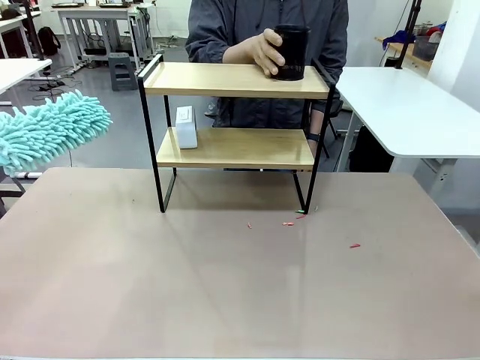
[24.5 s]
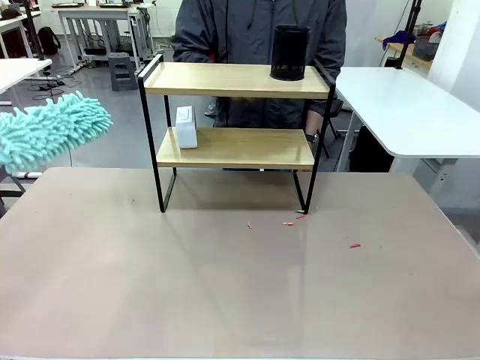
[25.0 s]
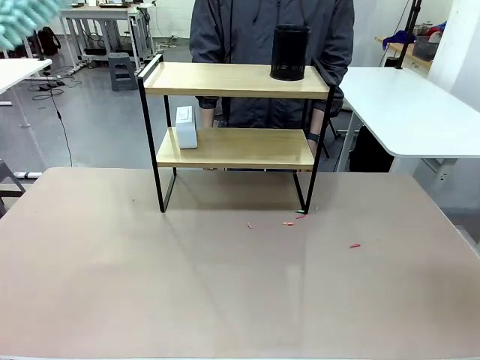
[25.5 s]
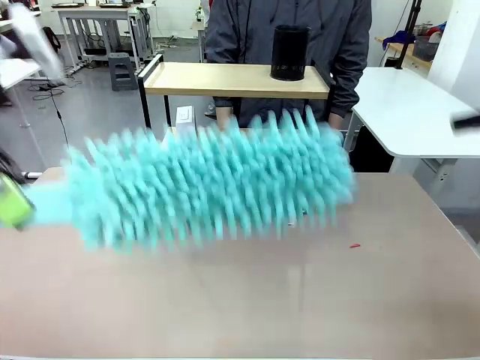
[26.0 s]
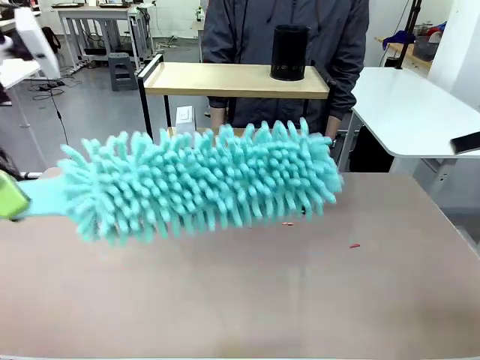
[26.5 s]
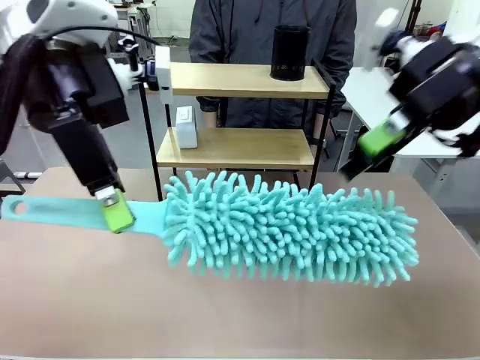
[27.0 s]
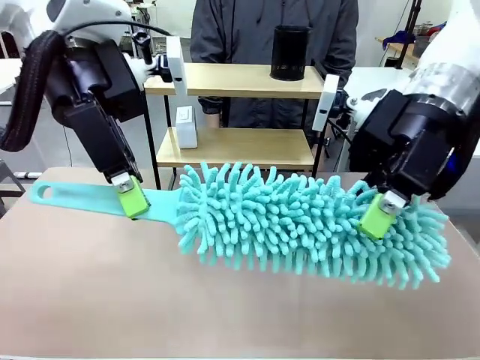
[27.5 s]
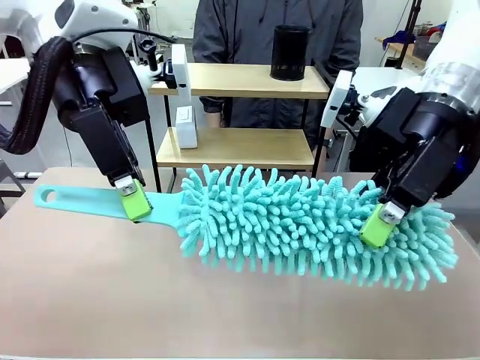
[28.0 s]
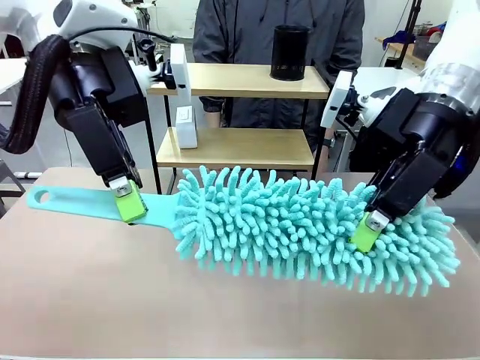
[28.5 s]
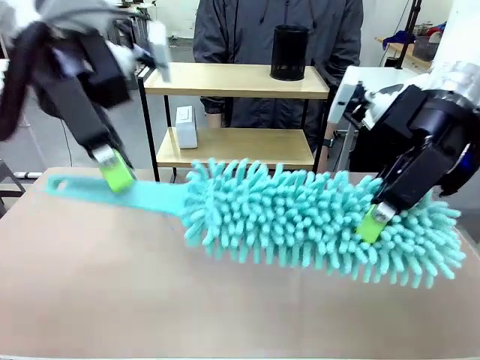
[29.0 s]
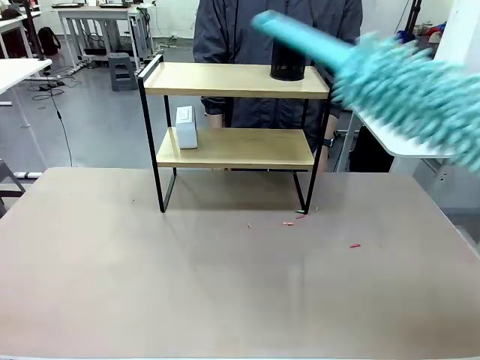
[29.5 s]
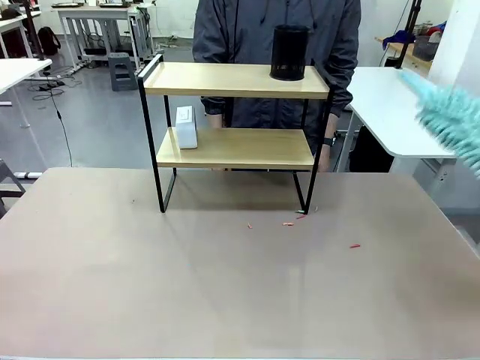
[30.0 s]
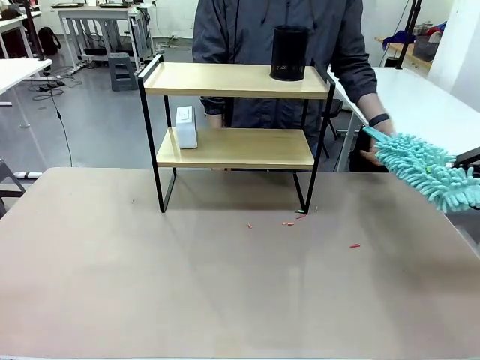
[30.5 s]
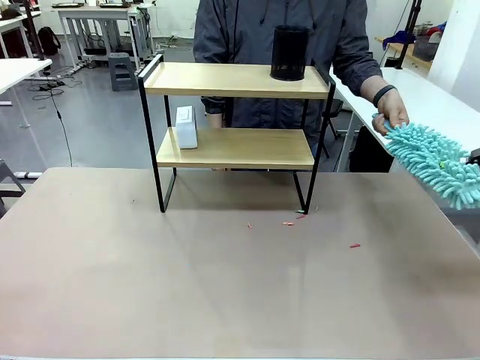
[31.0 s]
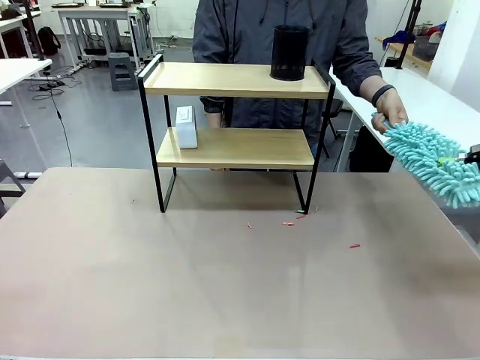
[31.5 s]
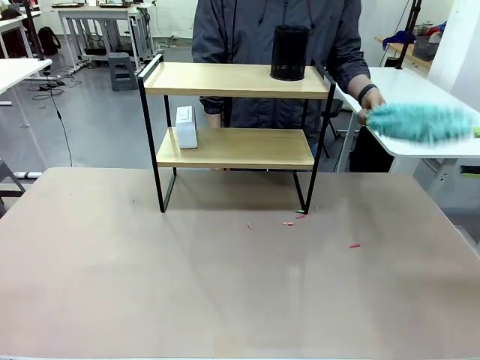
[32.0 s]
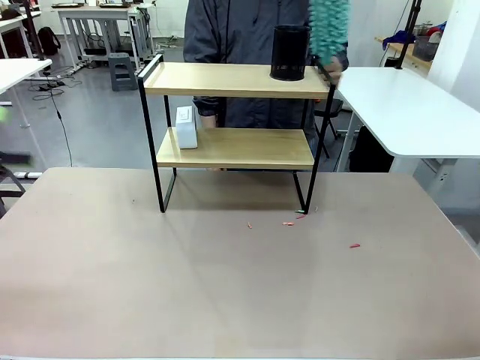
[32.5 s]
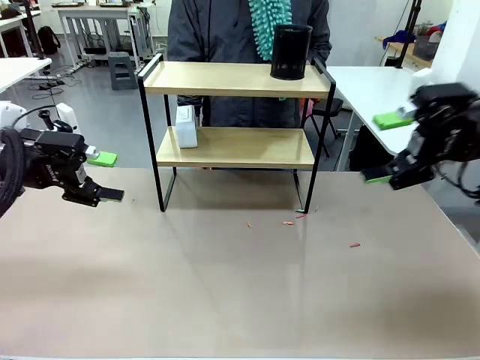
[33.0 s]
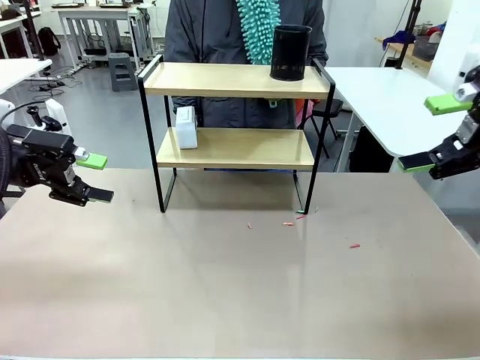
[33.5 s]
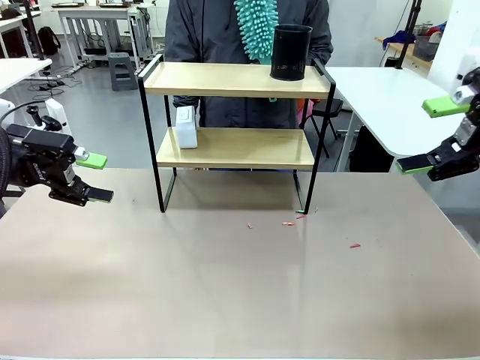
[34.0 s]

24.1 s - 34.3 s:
Task: Clean the shelf.
Robot: Hand the Duster back to the human.
Person: Receive the Duster from the robot.

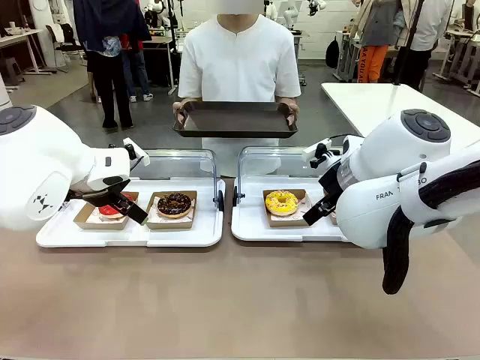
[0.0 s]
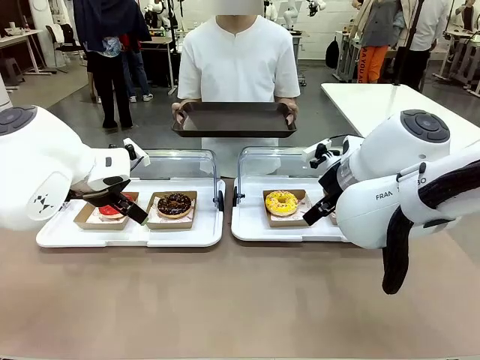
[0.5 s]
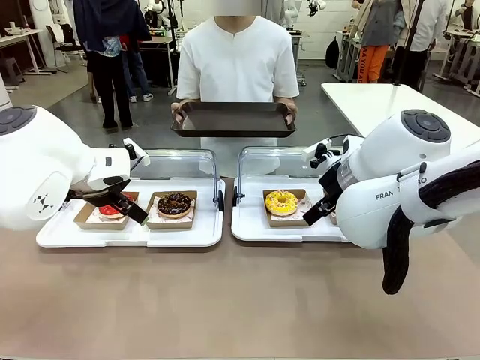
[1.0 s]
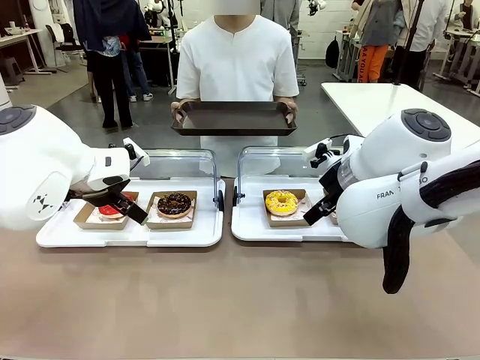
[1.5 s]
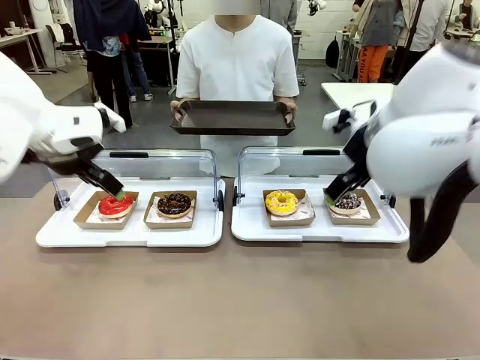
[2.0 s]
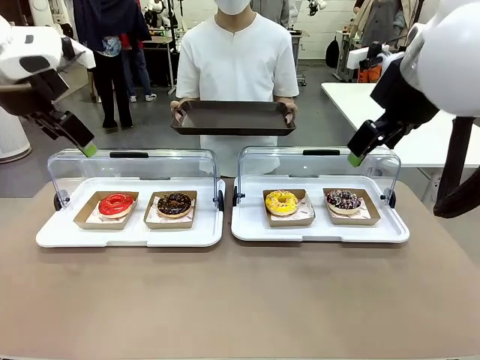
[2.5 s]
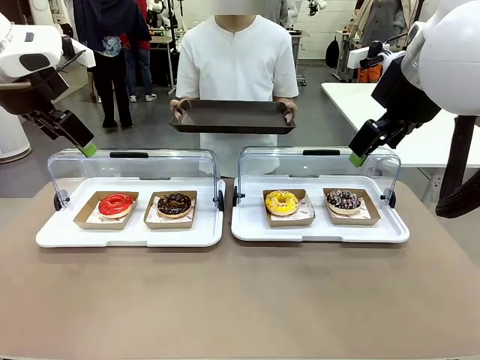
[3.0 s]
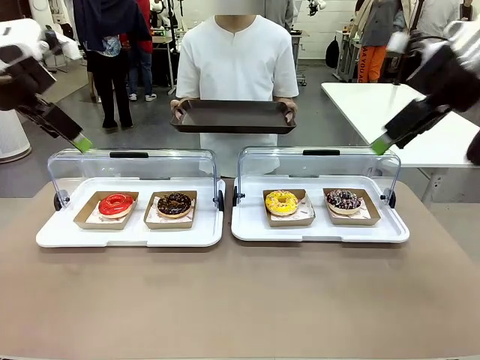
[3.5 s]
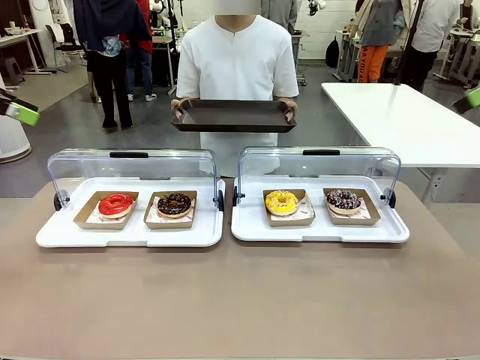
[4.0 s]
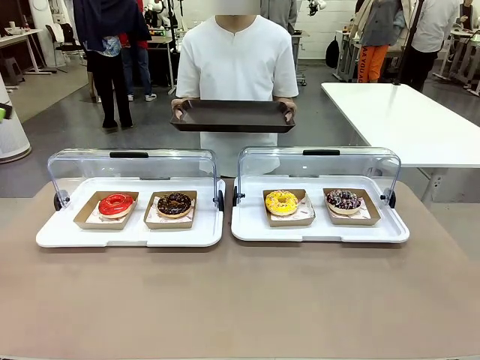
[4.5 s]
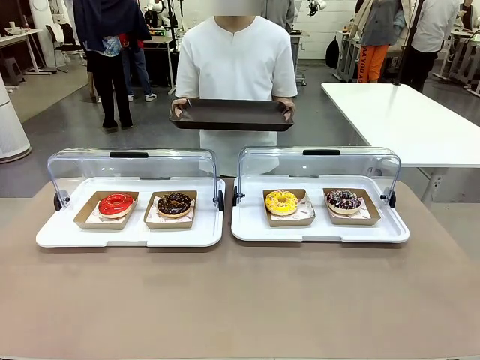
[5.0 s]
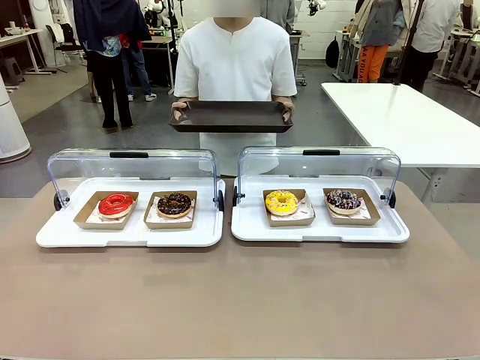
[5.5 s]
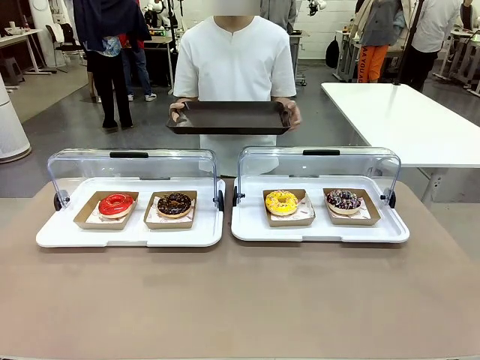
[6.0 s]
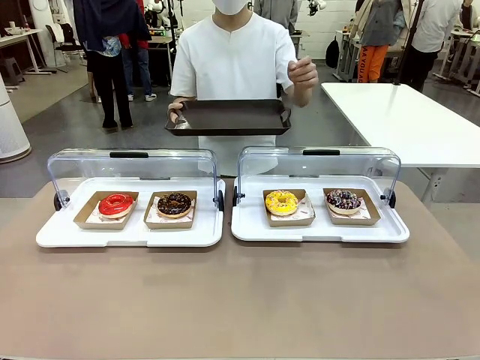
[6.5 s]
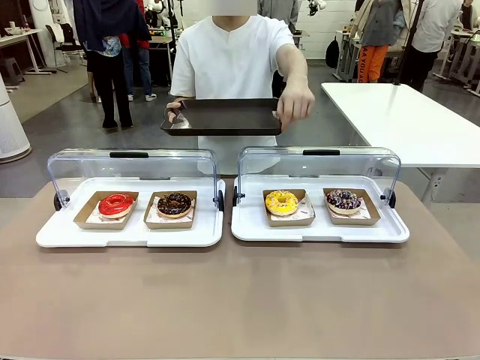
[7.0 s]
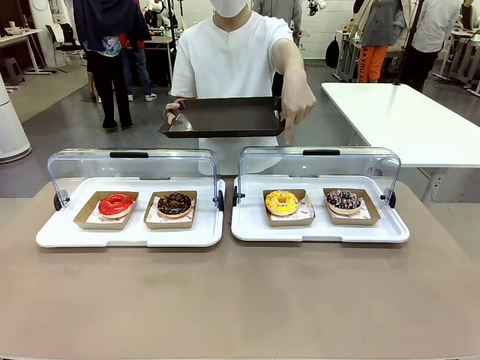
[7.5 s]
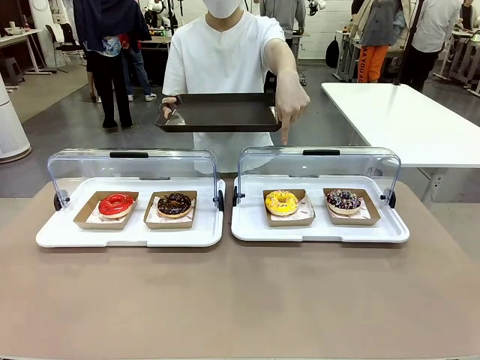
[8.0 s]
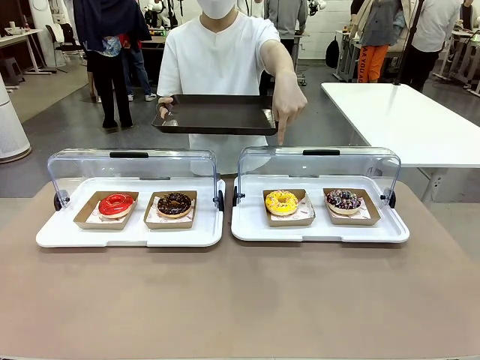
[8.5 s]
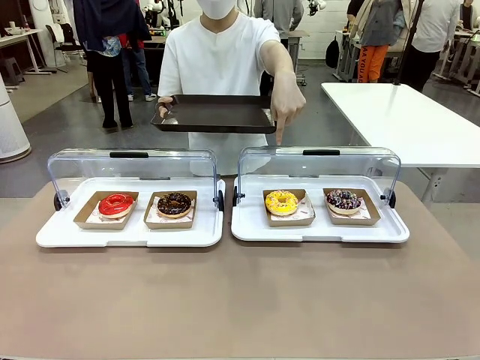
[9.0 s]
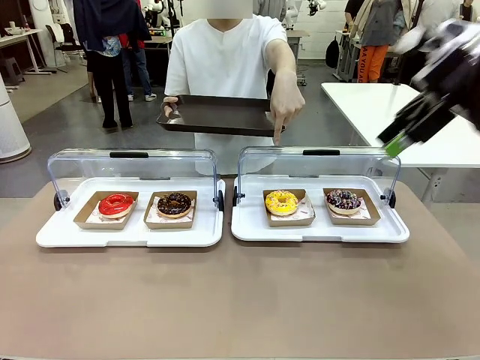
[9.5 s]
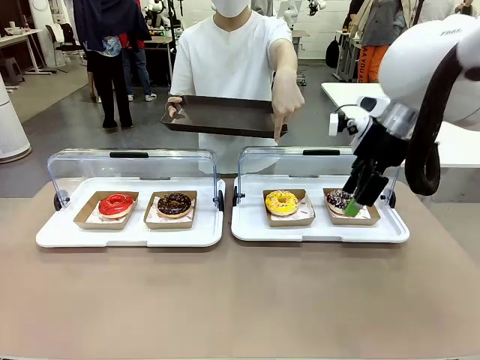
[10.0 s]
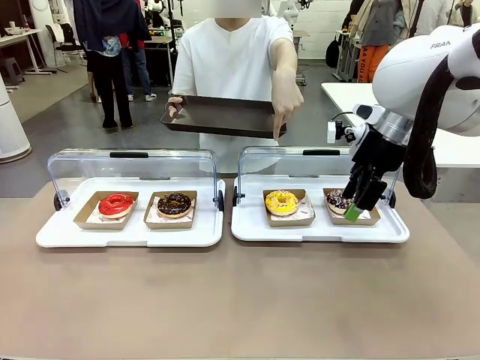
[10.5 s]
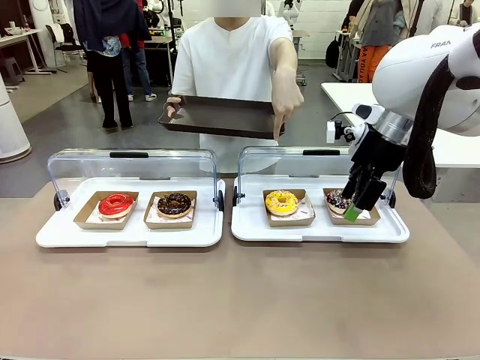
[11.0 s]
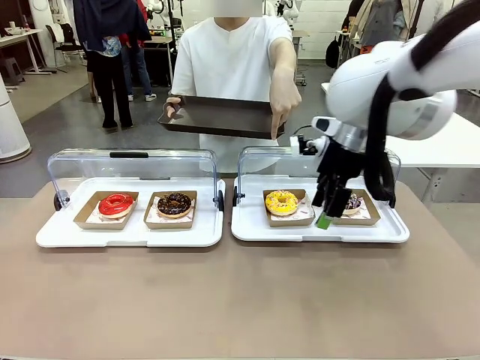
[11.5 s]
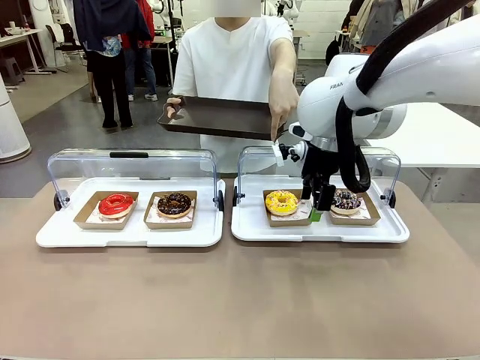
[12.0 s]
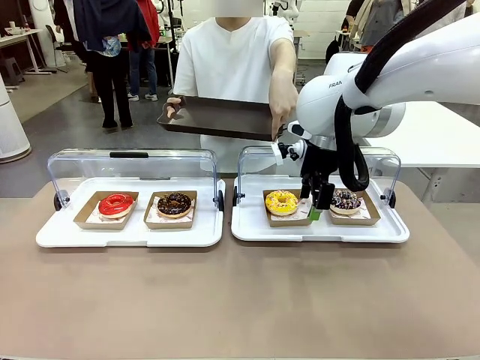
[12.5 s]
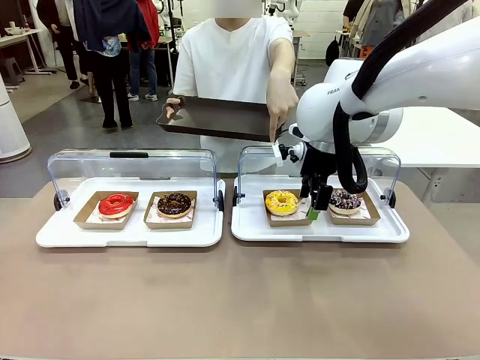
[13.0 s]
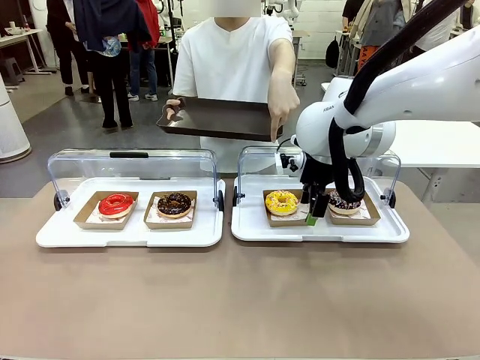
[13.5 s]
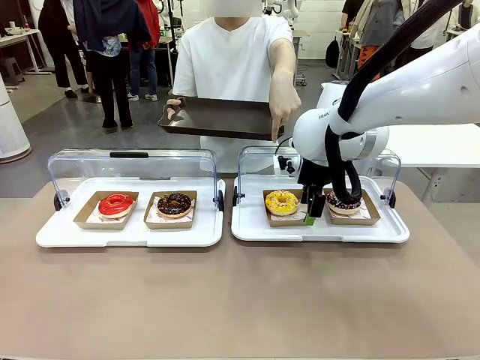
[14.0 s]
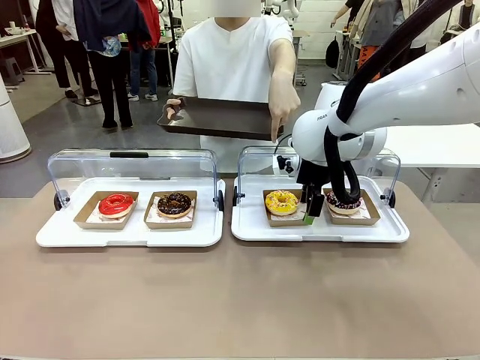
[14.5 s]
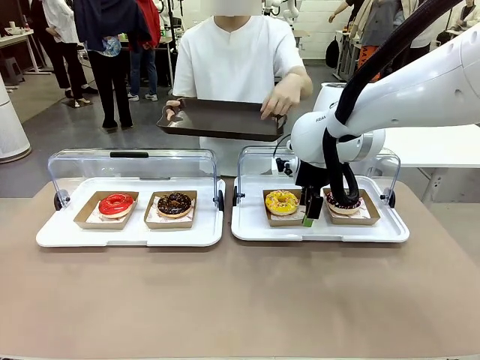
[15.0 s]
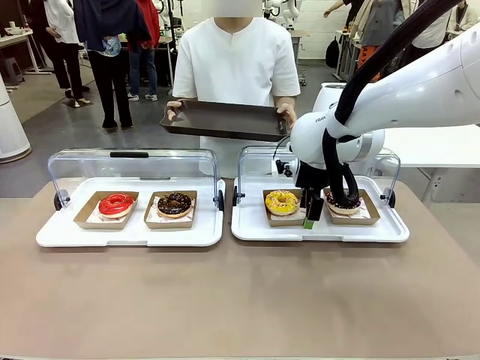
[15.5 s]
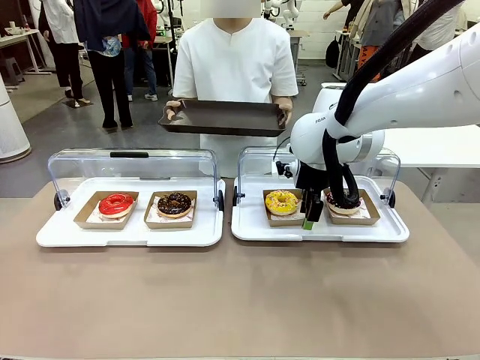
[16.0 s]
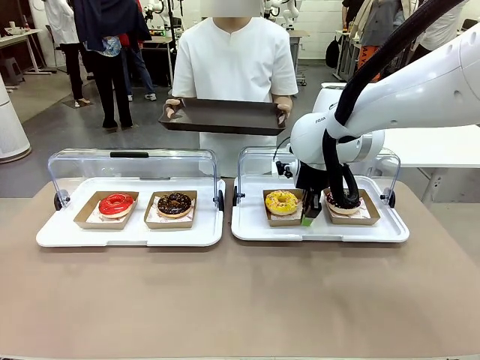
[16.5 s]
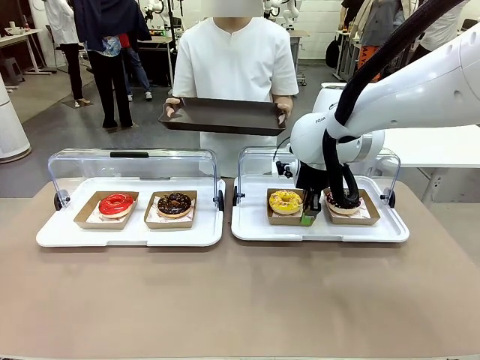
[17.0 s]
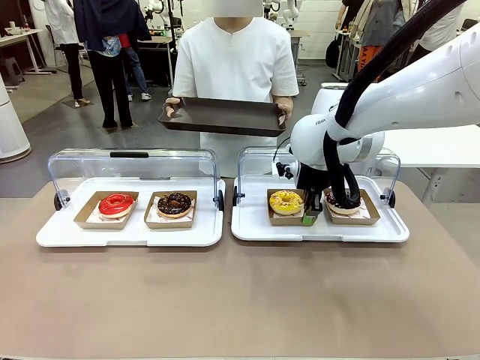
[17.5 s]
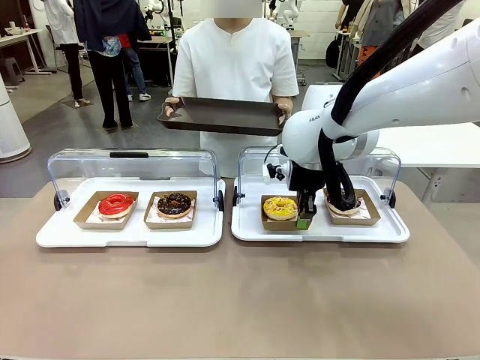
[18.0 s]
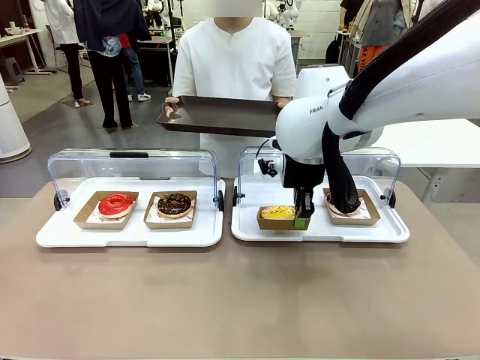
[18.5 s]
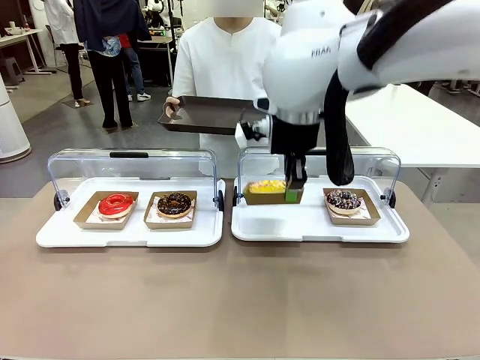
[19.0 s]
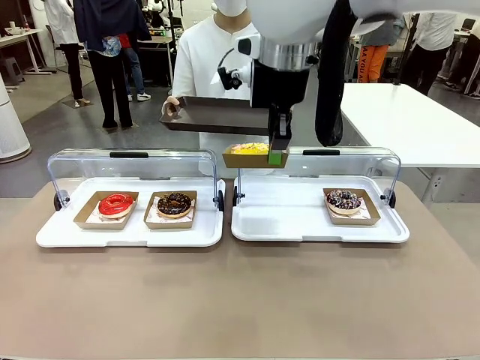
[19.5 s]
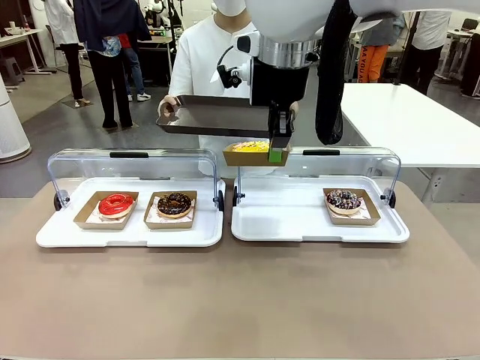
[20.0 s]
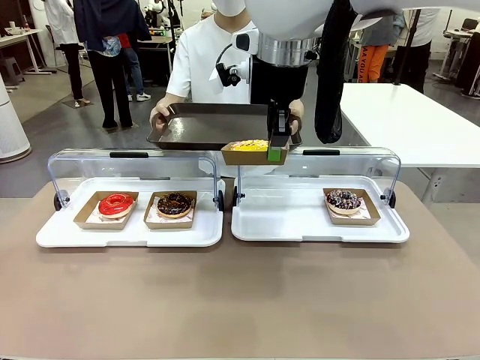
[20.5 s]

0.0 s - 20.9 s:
Task: Provide the desired donut to the person.
Robot: Pick up and lift the Paper togo box containing the Donut pointed at by the person.
Person: Point to one donut. Lift the tray onto the Roll-Top Bakery Case.
